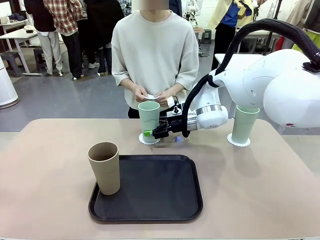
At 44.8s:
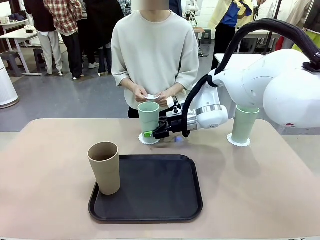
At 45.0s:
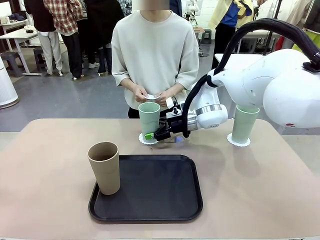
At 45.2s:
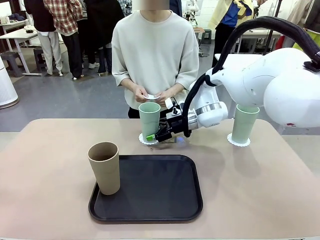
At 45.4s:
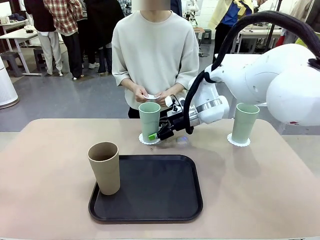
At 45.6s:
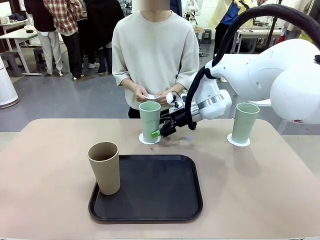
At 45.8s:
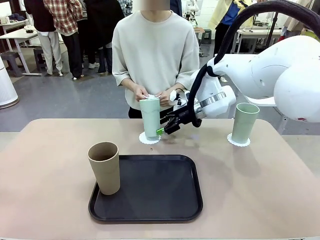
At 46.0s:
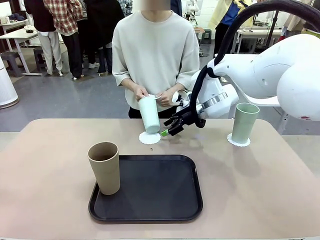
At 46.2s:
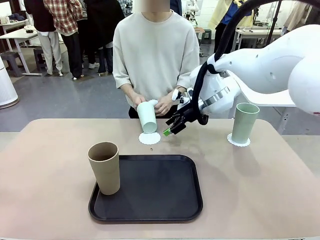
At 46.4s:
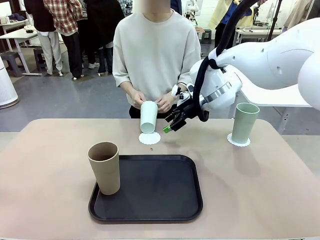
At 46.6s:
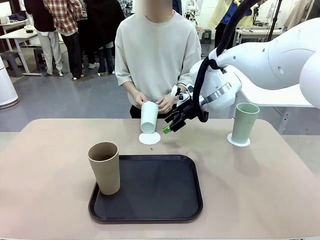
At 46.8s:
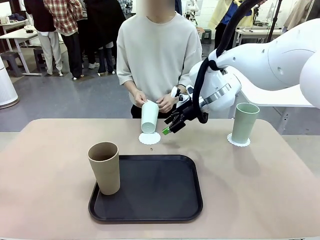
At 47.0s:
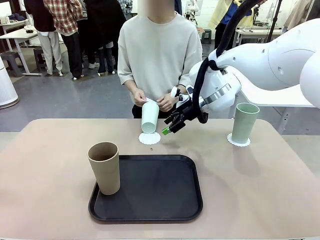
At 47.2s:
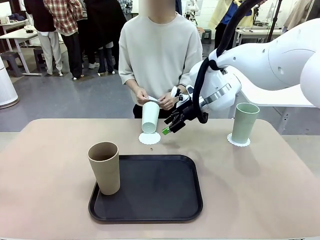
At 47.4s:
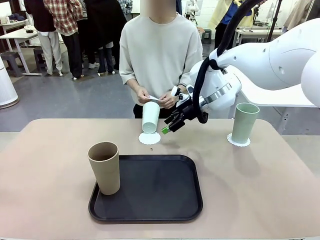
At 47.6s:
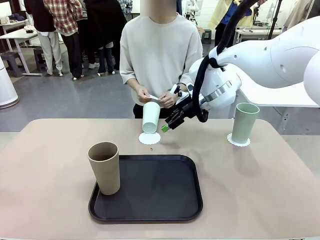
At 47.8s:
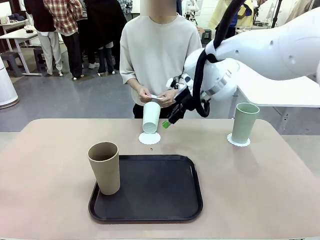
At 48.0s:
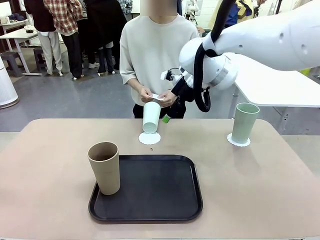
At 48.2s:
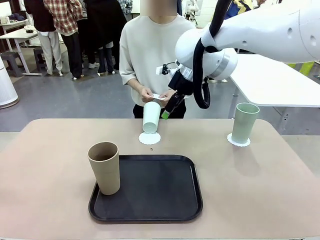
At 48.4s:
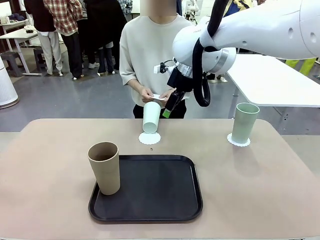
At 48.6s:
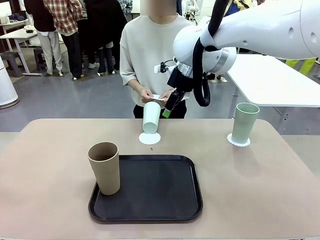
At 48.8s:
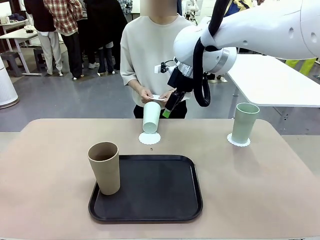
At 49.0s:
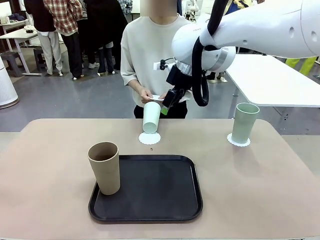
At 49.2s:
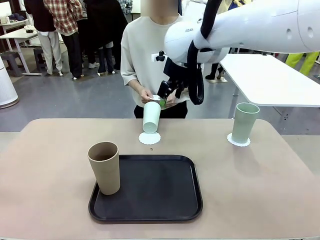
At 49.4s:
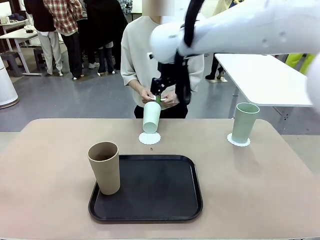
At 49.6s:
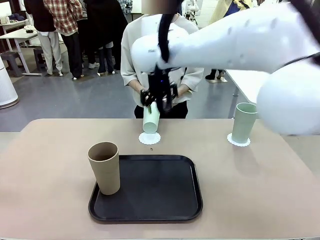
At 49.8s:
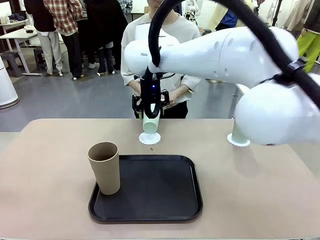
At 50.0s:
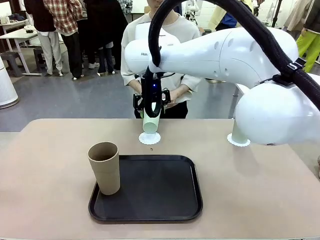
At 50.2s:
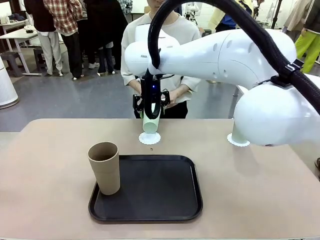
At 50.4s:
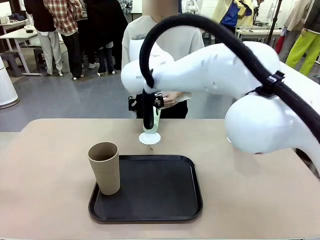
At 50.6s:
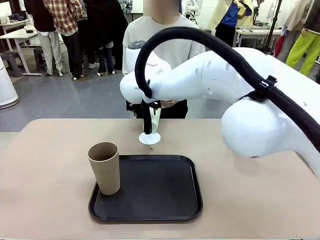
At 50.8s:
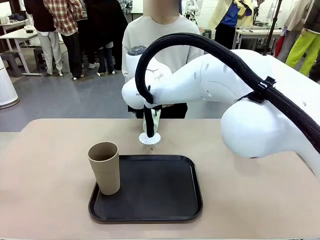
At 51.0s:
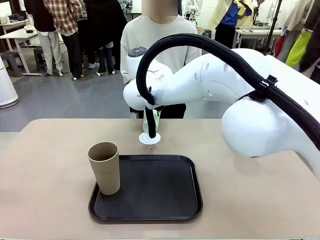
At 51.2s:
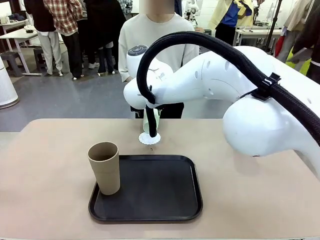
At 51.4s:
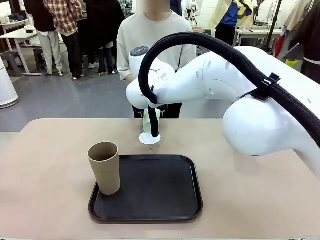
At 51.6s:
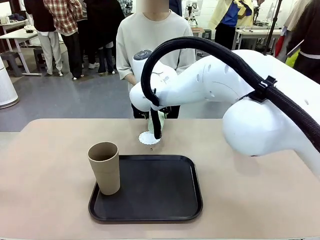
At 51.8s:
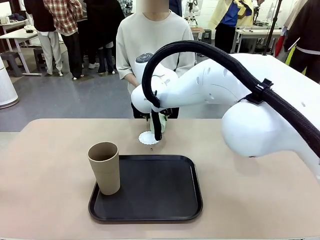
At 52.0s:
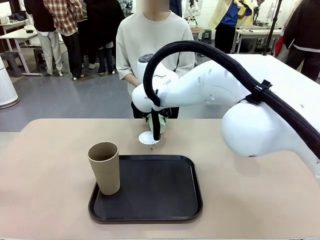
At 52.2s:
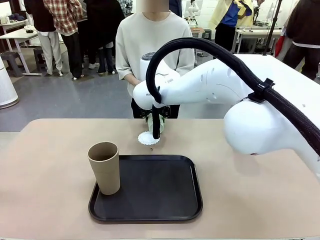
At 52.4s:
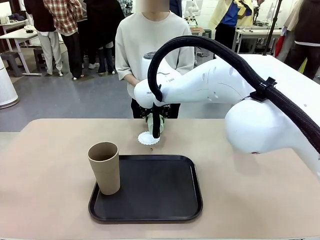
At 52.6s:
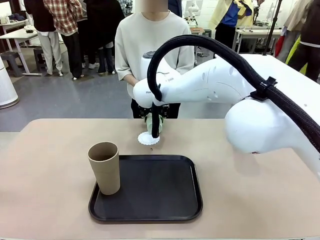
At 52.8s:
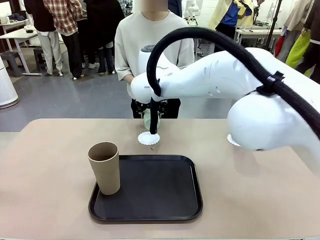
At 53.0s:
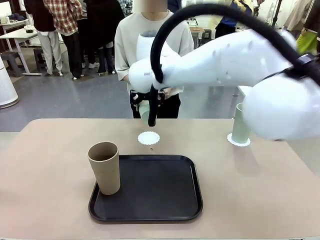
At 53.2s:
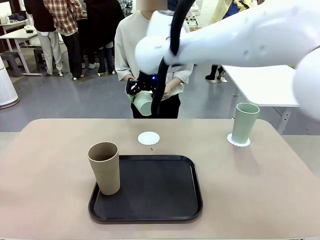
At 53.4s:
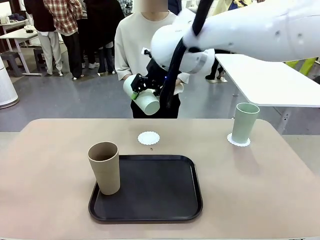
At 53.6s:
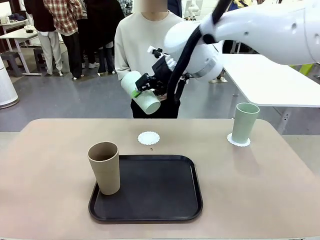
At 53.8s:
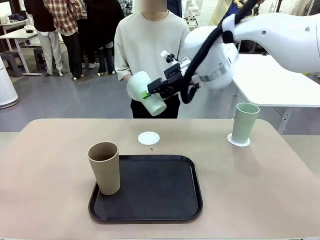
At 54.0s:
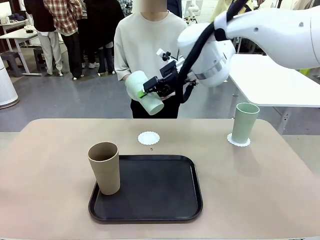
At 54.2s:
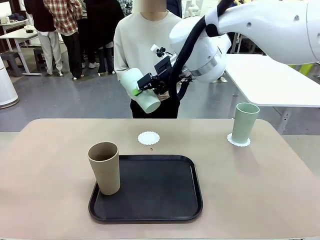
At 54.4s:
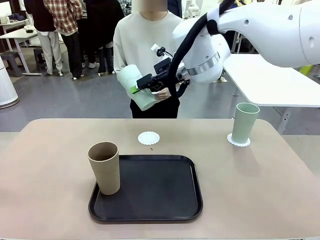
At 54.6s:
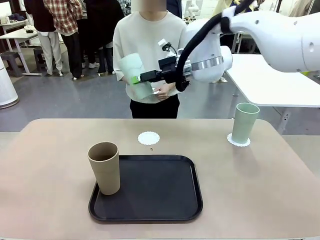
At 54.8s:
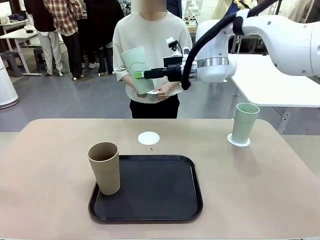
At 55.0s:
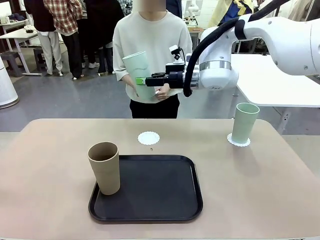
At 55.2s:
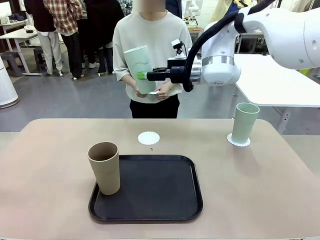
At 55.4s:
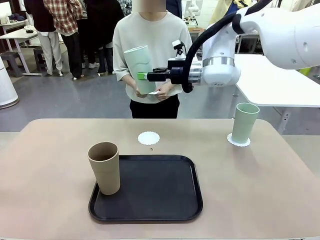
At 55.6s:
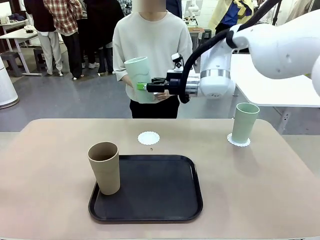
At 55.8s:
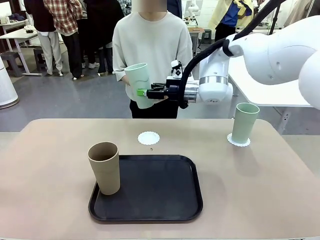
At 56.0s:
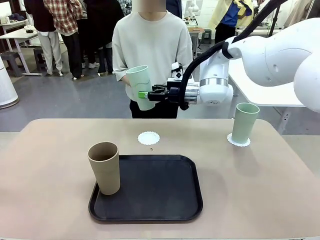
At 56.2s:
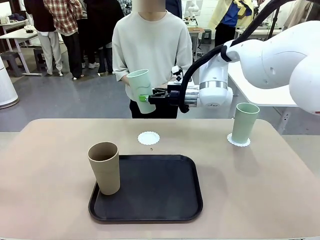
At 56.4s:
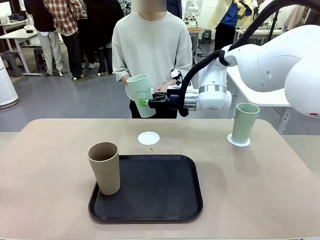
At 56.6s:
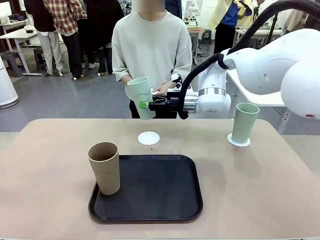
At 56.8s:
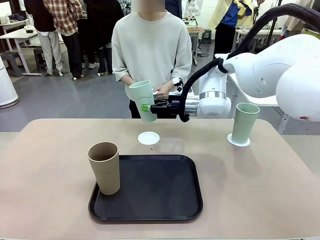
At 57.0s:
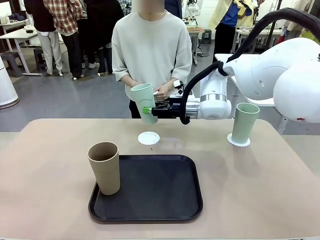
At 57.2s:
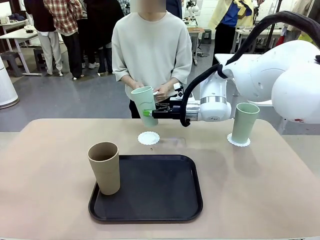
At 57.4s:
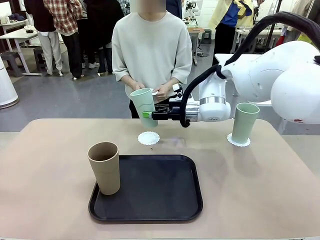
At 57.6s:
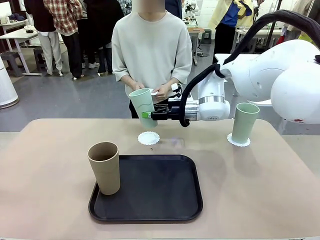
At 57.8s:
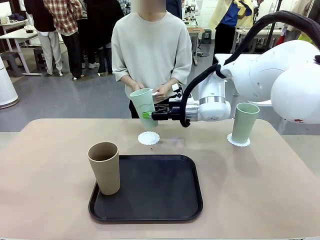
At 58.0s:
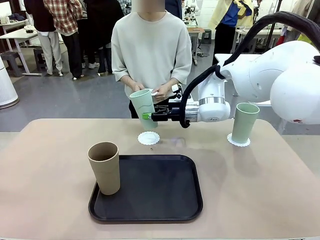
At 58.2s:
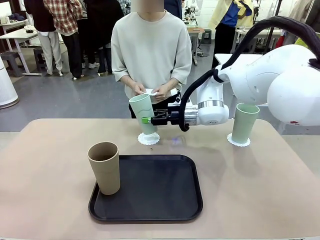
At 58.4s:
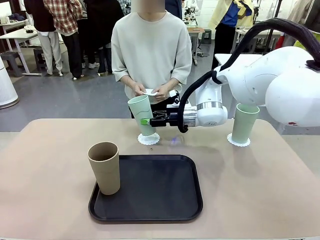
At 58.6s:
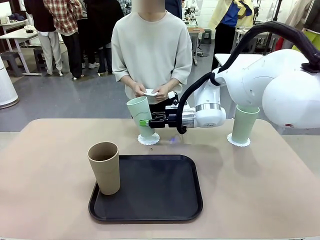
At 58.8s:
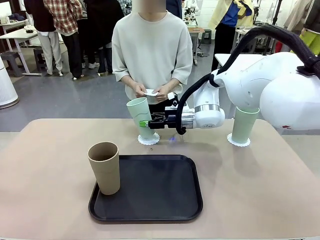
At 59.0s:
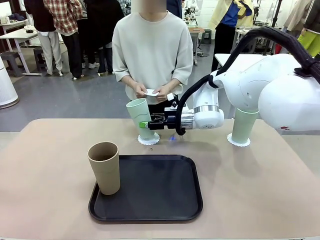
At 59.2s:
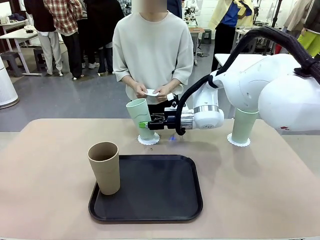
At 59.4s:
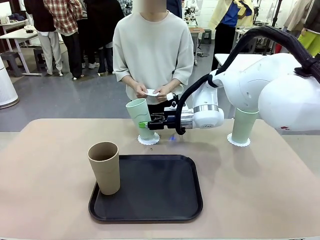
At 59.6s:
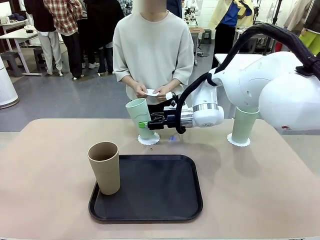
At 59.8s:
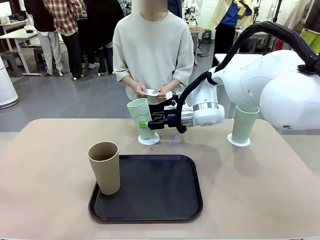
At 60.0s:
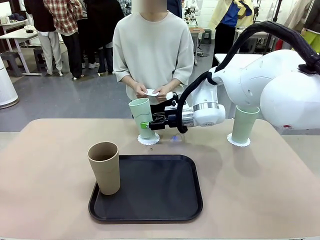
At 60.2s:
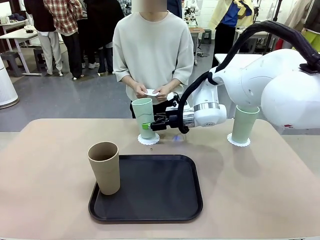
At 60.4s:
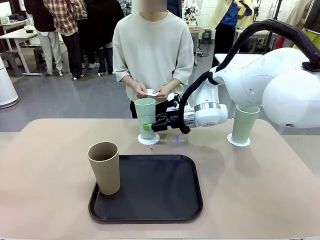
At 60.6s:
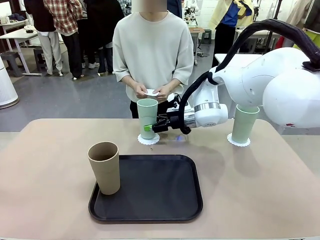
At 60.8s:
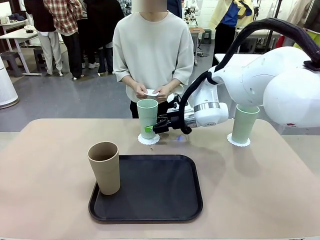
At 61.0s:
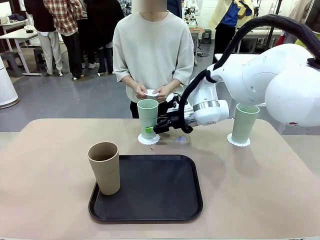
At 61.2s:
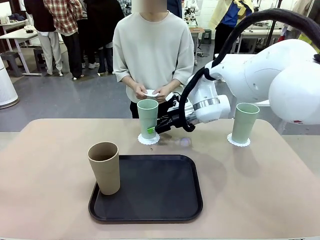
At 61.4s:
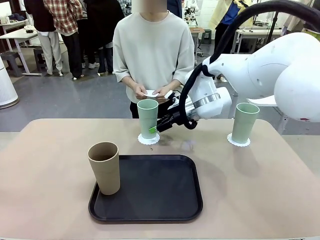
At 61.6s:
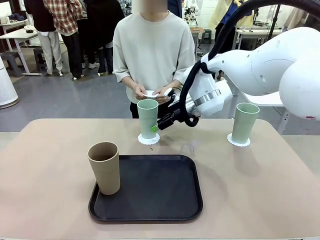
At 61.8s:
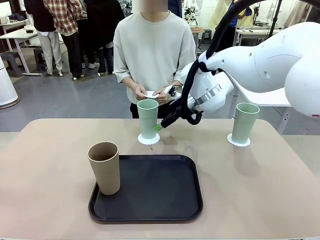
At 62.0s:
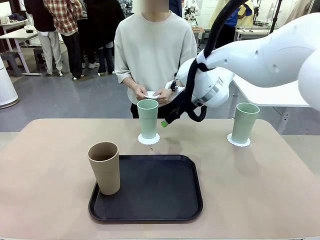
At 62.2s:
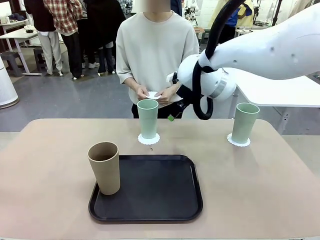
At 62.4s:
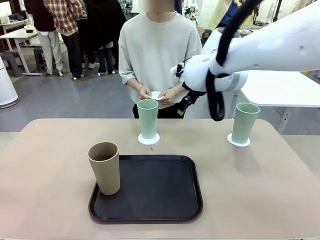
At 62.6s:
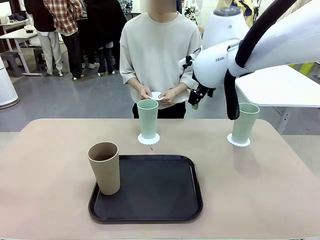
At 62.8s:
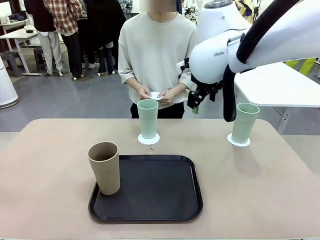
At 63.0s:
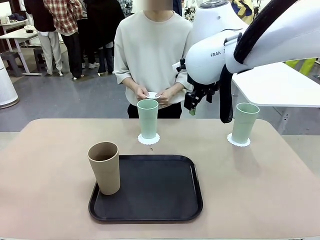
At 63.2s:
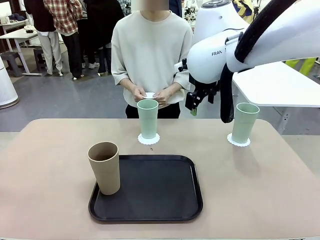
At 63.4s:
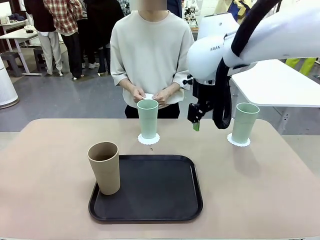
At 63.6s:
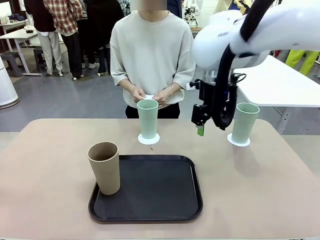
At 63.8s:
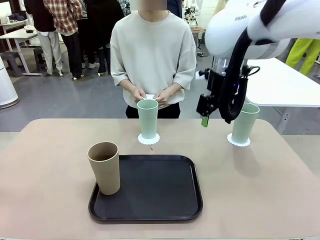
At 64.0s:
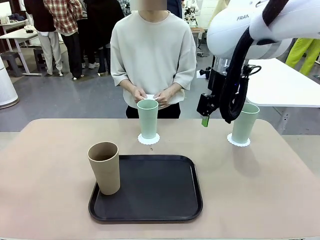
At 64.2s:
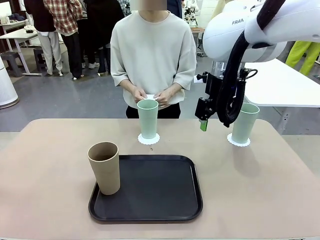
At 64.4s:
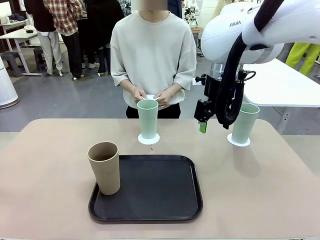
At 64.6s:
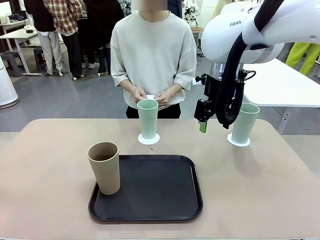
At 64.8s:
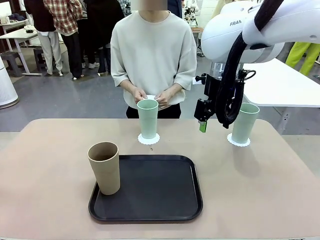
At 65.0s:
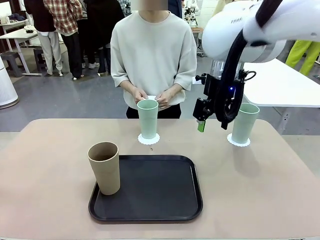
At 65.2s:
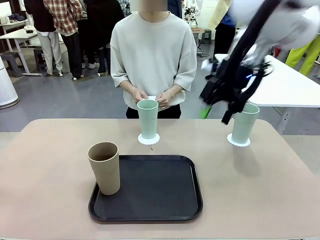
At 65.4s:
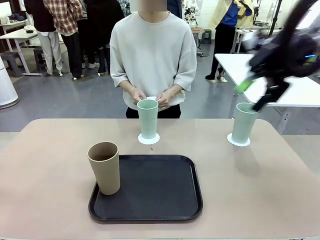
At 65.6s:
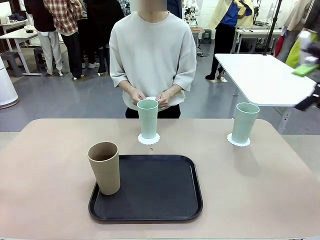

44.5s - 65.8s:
Task: Place coasters on the table and set cups on them.
Robot: Take one Reusable plastic cup from the Flat Tray and place it on a coaster set by the human.
